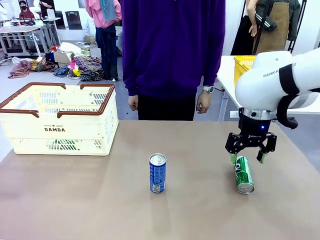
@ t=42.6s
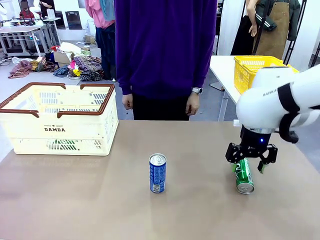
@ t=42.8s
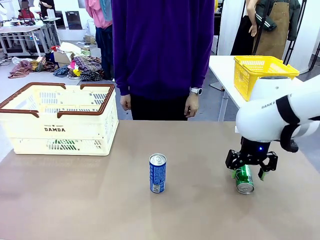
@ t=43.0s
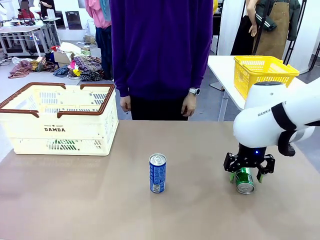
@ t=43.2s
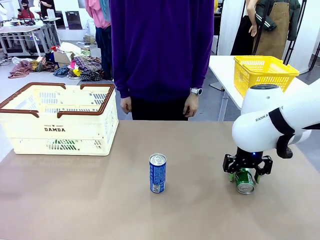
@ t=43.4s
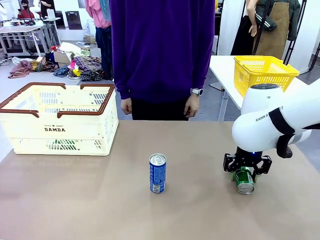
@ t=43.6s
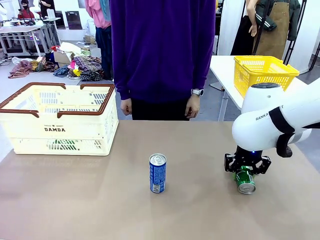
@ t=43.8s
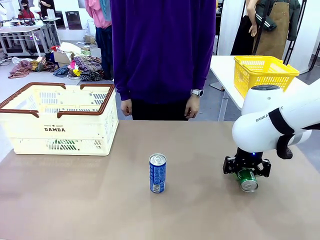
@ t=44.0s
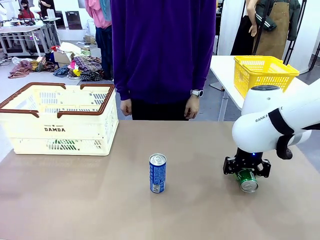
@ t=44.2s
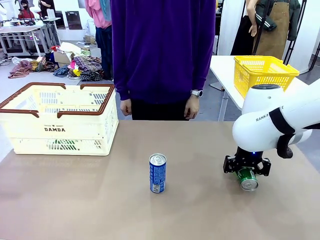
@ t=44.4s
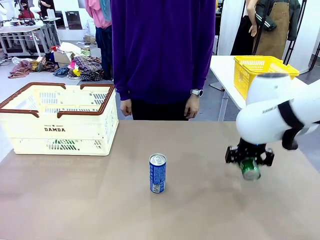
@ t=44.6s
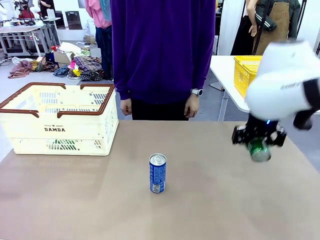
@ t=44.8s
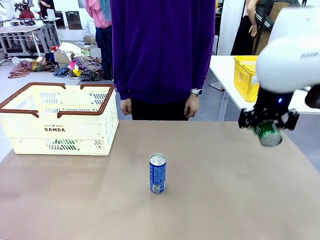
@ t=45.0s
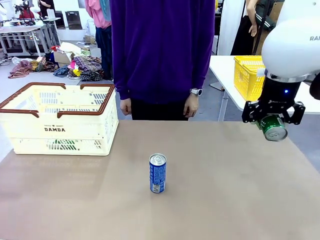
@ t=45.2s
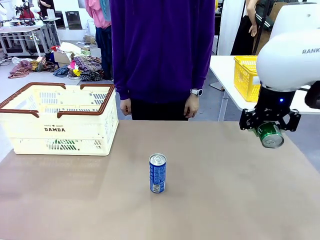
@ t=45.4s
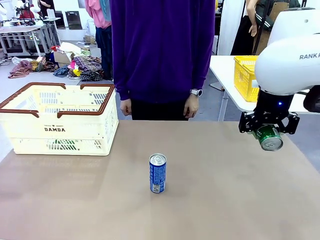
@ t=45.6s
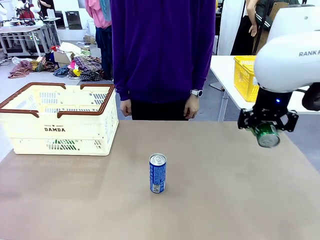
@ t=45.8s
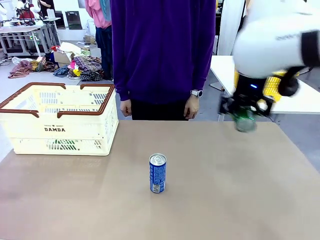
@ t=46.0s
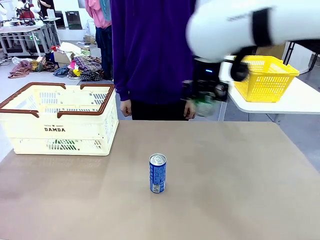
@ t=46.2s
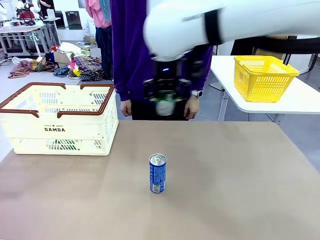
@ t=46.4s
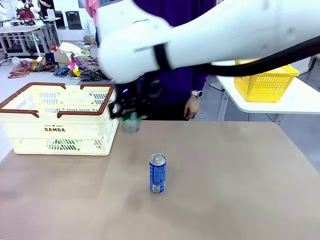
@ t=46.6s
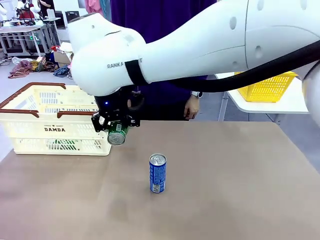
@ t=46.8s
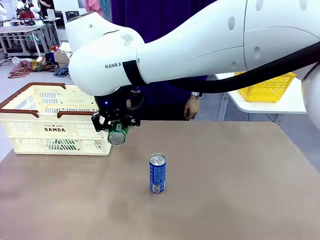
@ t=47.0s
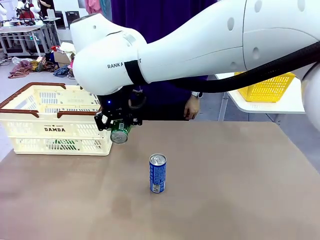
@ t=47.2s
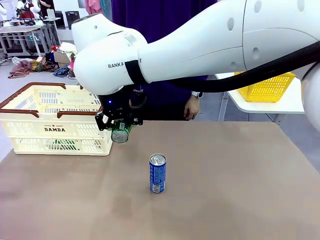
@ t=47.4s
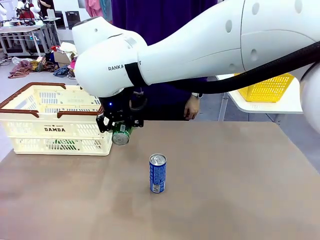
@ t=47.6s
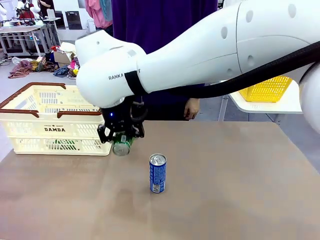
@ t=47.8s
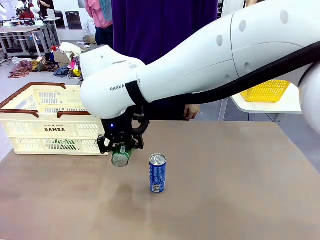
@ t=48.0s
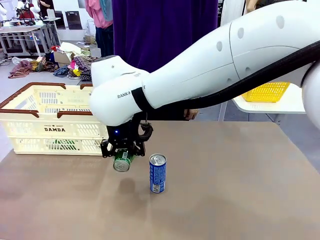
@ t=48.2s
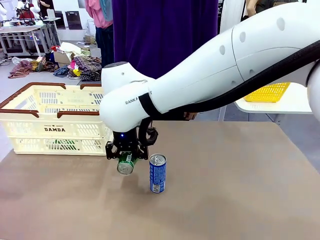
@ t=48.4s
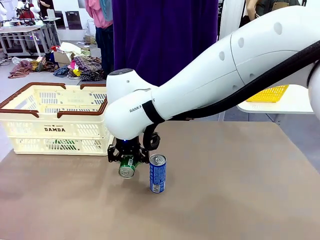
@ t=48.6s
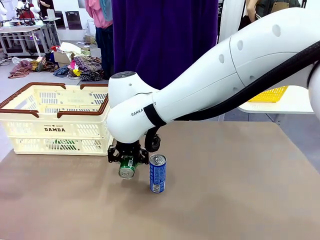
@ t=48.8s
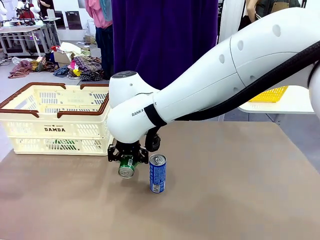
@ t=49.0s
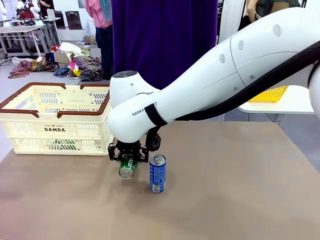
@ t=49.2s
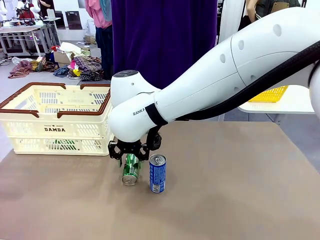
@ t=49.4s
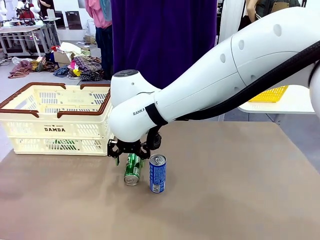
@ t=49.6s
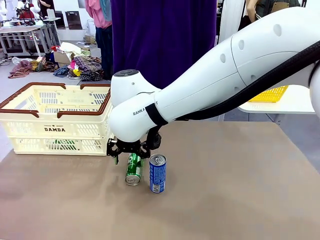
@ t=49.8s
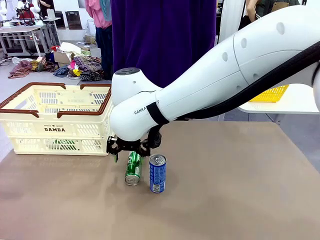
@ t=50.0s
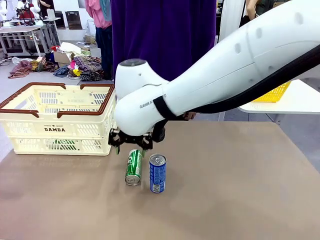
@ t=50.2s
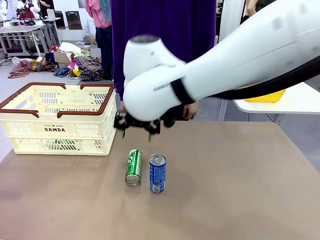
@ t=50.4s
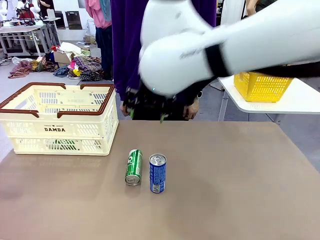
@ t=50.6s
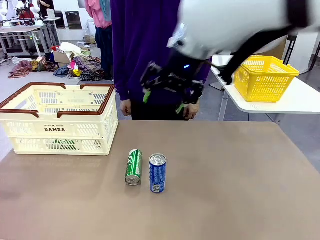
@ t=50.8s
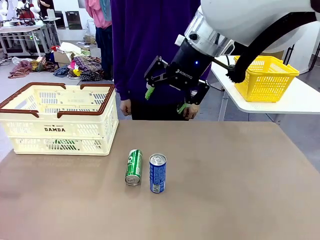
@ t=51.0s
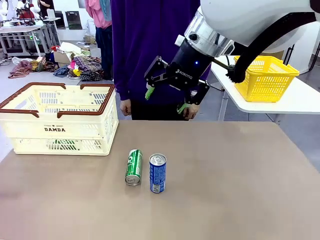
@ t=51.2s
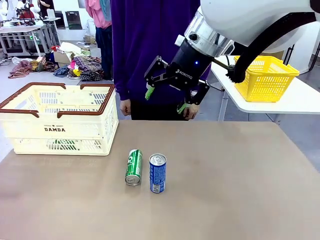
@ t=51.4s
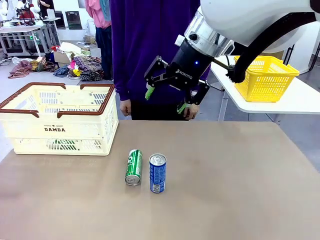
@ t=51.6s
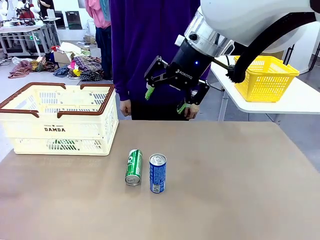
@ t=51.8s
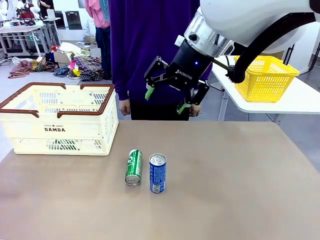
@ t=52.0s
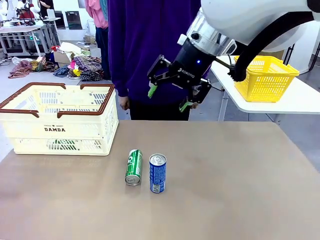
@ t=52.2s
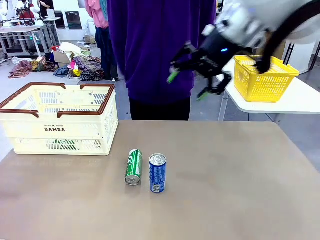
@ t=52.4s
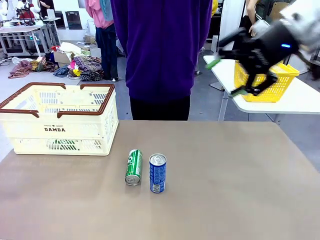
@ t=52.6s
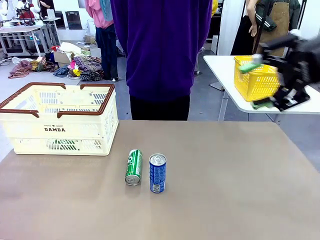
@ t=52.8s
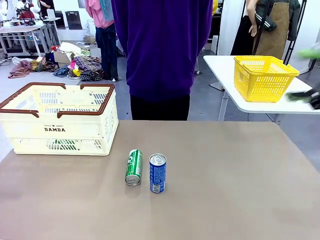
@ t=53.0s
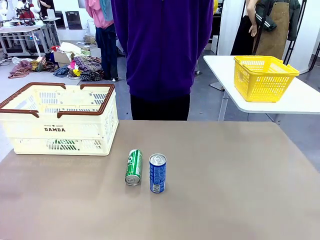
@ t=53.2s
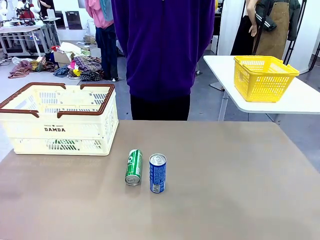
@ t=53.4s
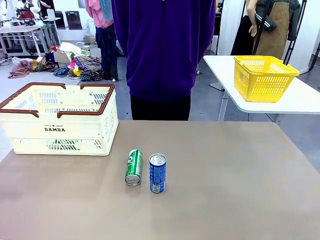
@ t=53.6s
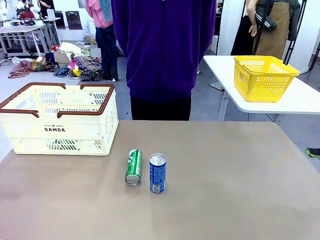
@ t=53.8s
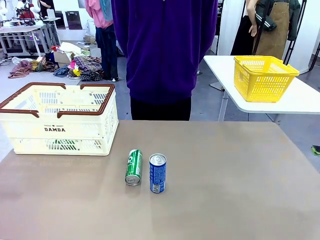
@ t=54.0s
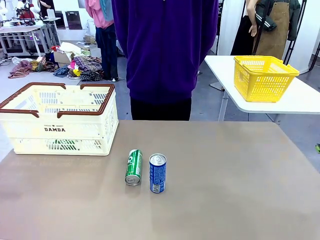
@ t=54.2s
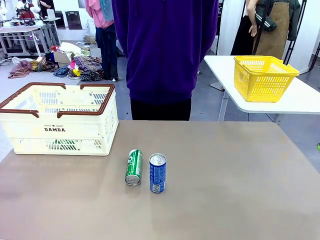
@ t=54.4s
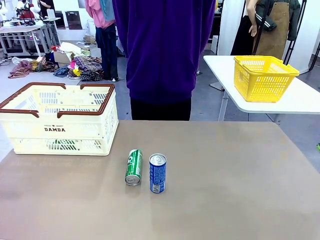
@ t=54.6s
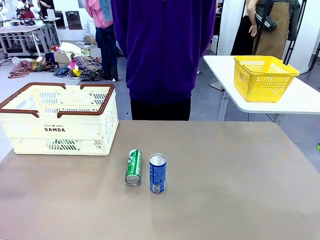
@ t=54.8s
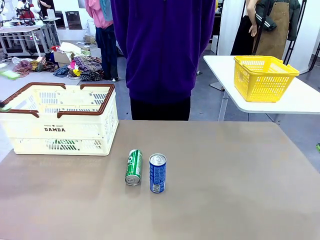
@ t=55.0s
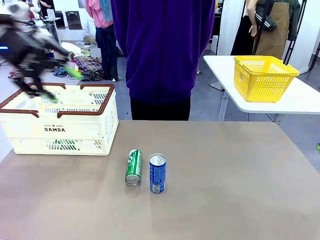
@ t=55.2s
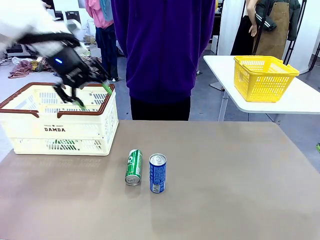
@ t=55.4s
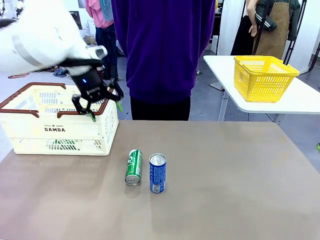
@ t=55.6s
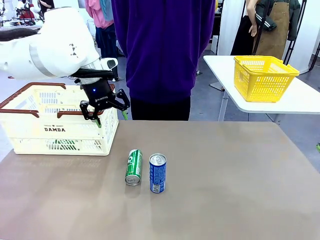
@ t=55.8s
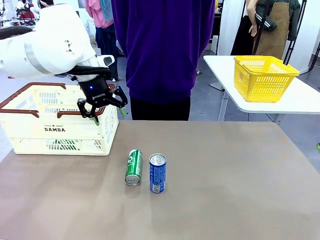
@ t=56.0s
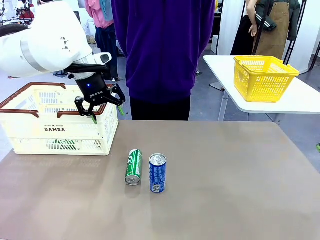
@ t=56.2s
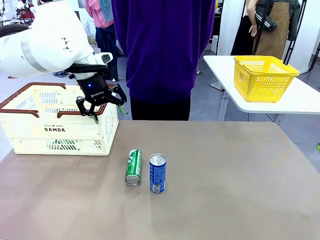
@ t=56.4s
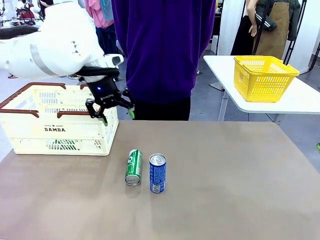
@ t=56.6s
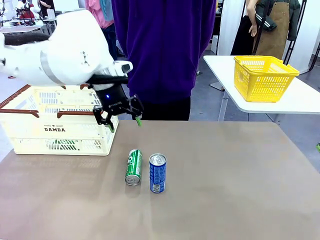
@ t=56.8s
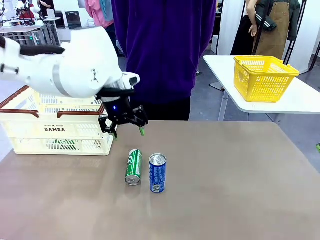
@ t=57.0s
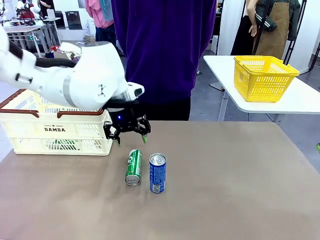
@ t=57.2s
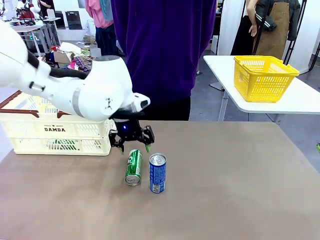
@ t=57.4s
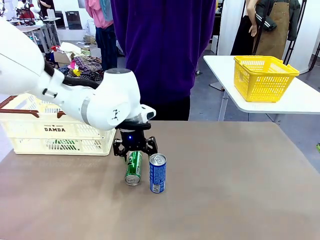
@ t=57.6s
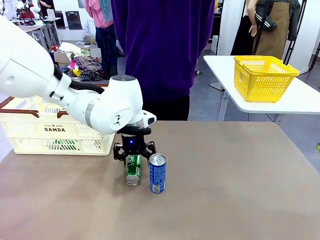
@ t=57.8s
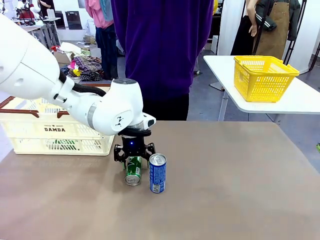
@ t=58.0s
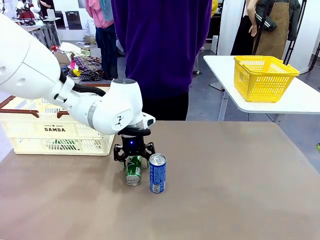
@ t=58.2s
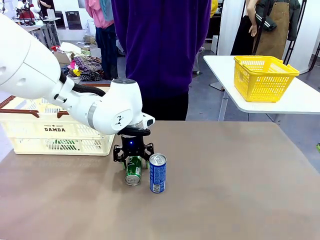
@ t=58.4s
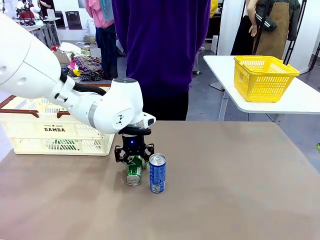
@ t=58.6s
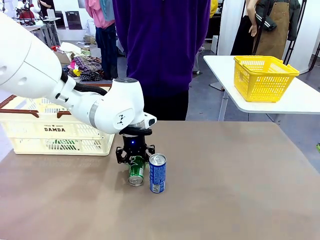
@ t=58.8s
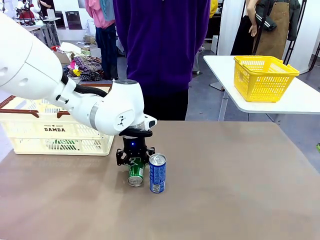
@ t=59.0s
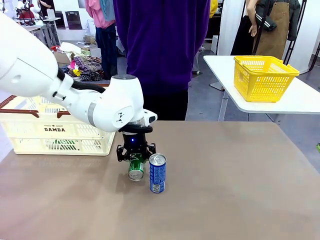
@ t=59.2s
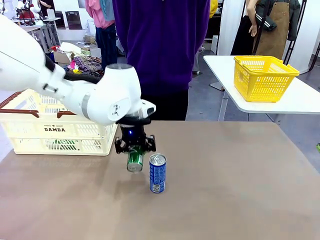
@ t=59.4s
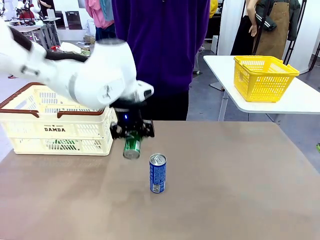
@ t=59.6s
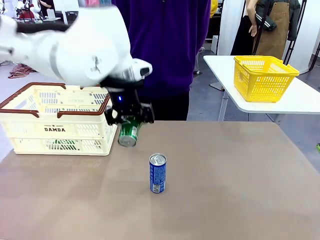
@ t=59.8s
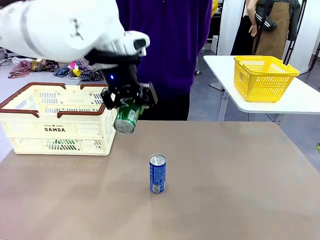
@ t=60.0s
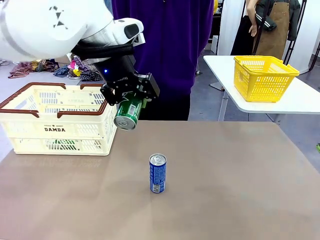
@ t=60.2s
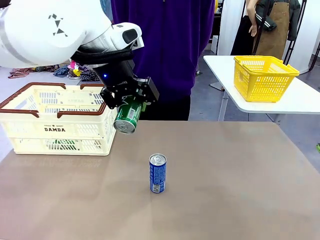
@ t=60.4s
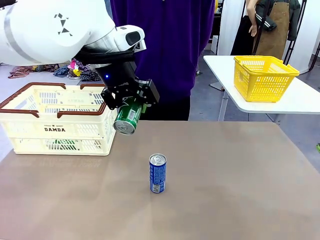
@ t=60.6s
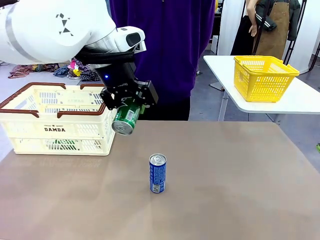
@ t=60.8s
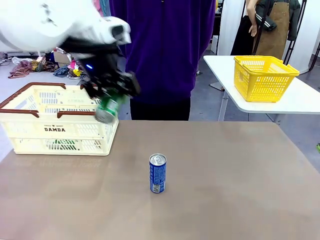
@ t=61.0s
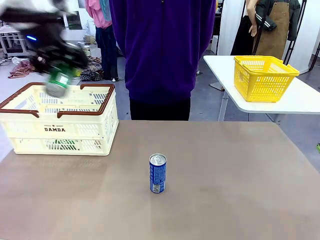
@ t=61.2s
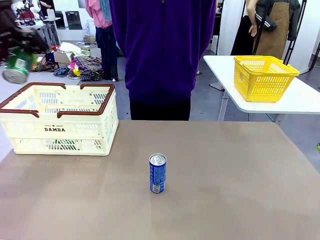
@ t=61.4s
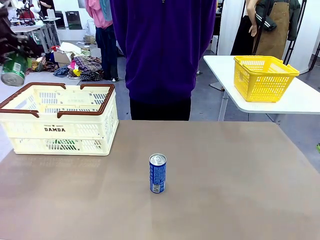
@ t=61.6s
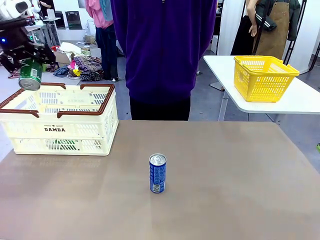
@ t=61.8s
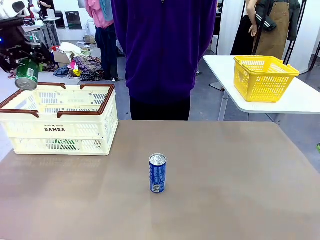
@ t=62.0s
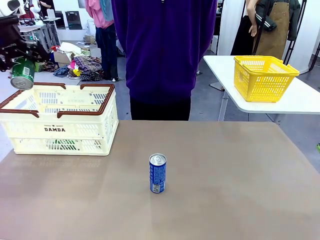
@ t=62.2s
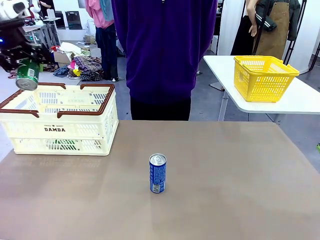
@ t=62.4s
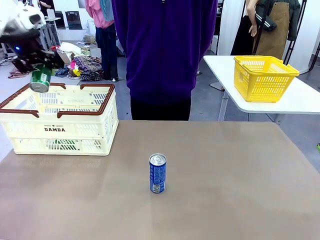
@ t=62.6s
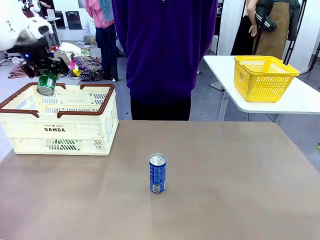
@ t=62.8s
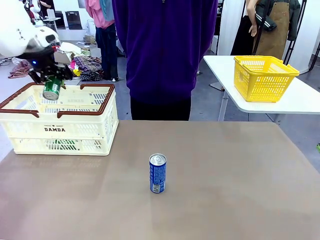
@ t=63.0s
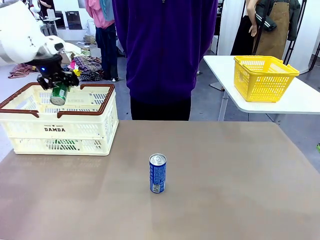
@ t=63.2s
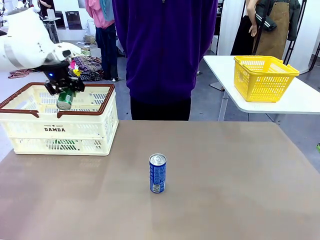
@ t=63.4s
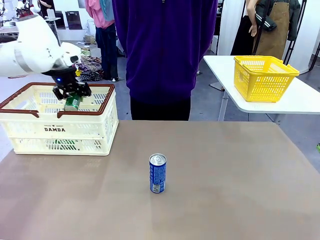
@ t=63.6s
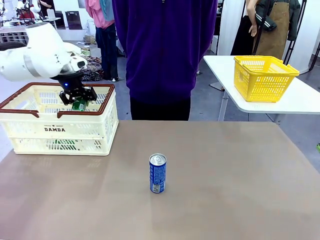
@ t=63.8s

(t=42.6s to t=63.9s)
Task: Place the drinks into the Shopping basket.
Robot: Pick up one drink and place it into the Shopping basket.
